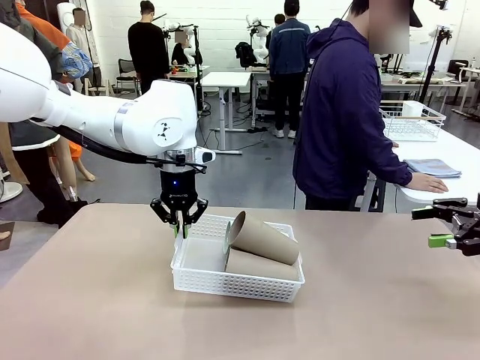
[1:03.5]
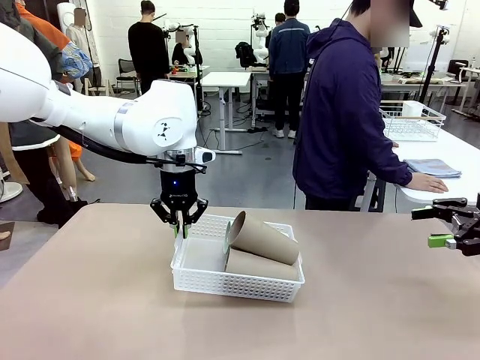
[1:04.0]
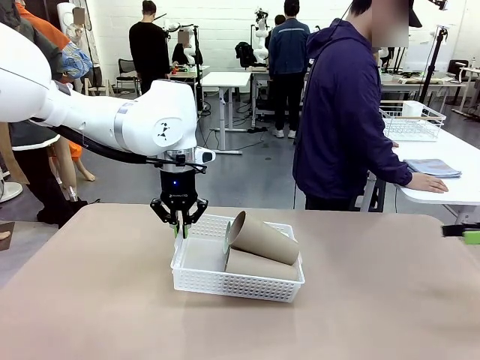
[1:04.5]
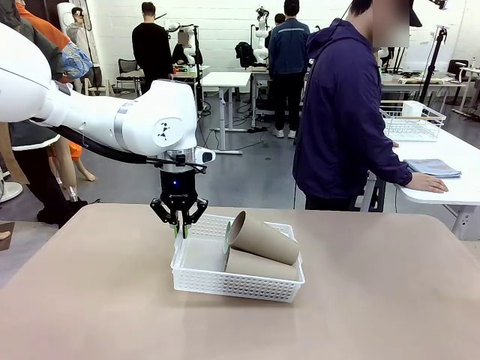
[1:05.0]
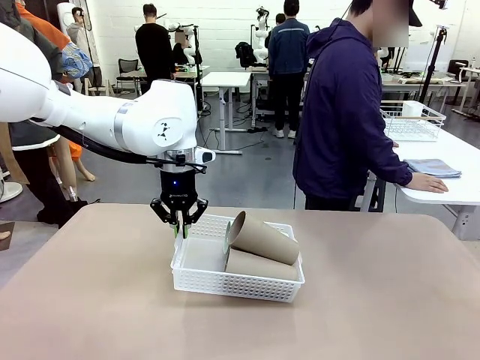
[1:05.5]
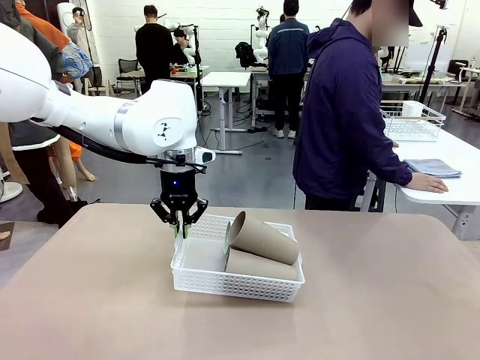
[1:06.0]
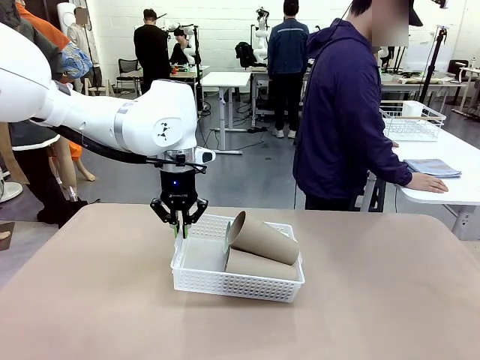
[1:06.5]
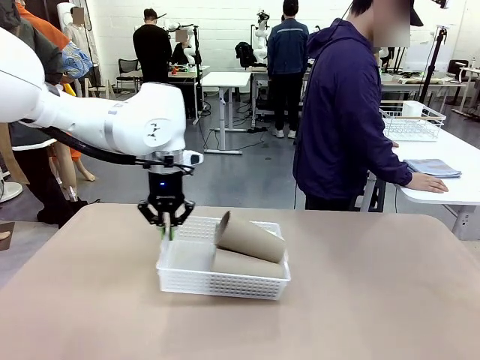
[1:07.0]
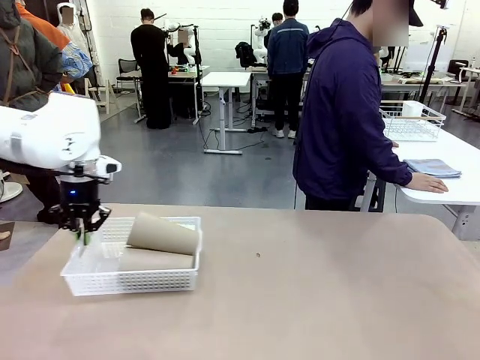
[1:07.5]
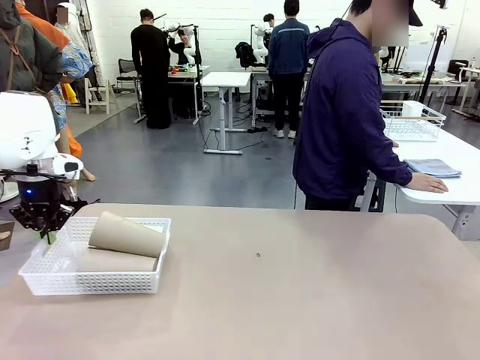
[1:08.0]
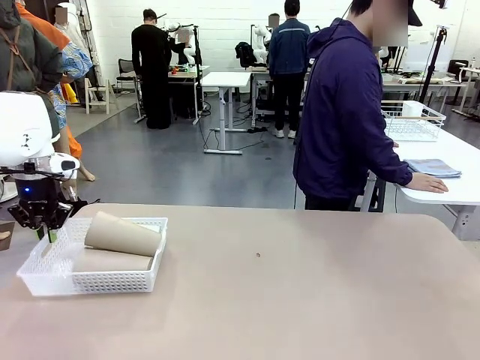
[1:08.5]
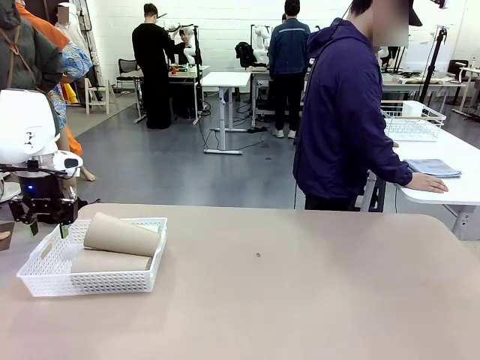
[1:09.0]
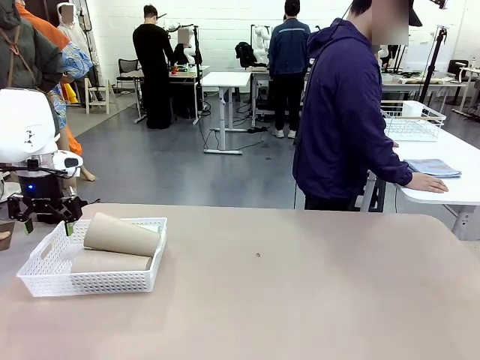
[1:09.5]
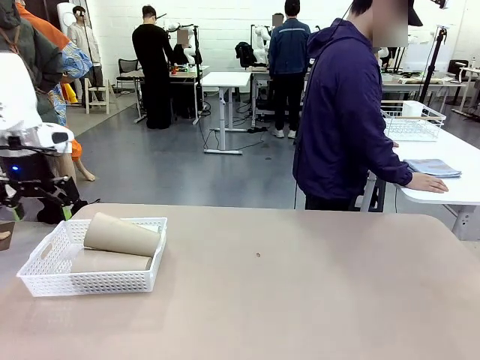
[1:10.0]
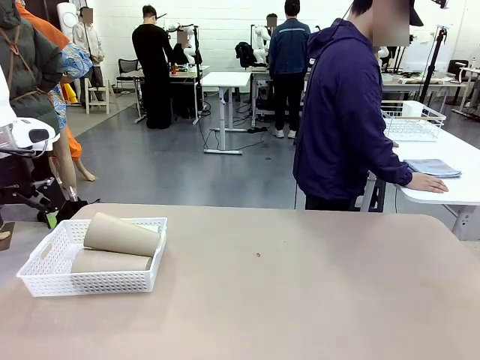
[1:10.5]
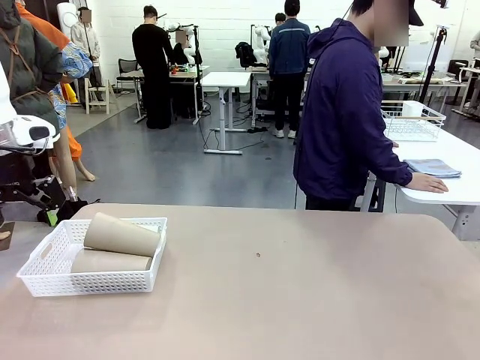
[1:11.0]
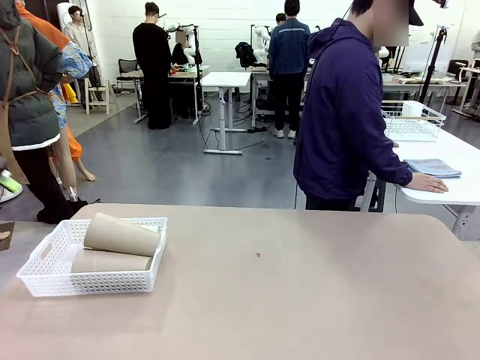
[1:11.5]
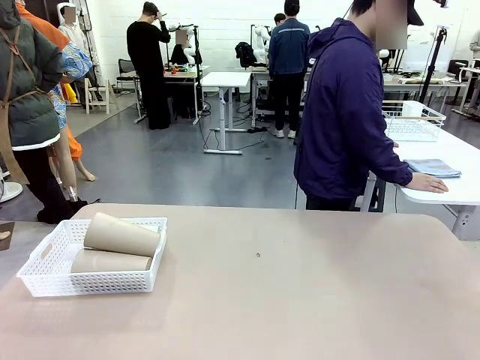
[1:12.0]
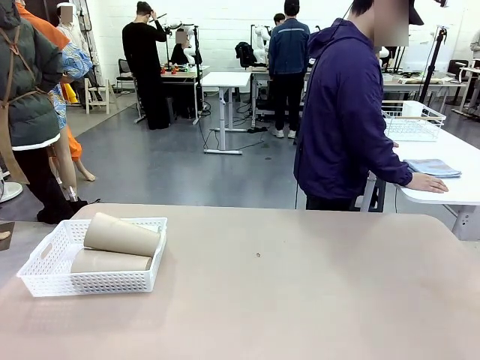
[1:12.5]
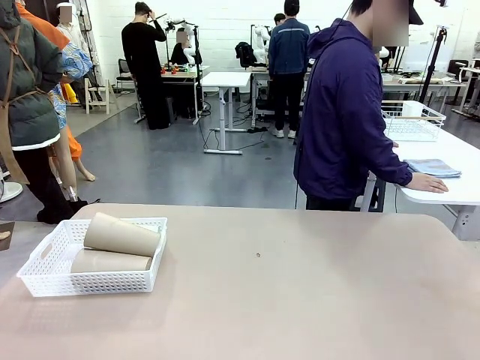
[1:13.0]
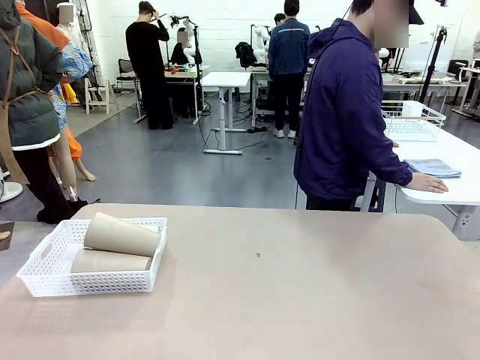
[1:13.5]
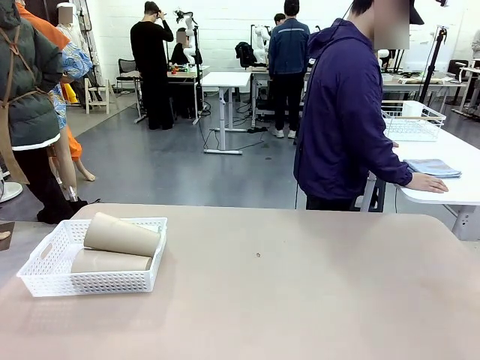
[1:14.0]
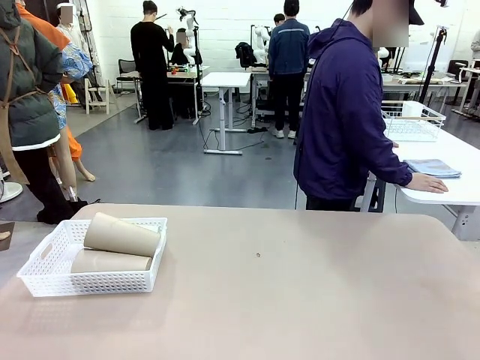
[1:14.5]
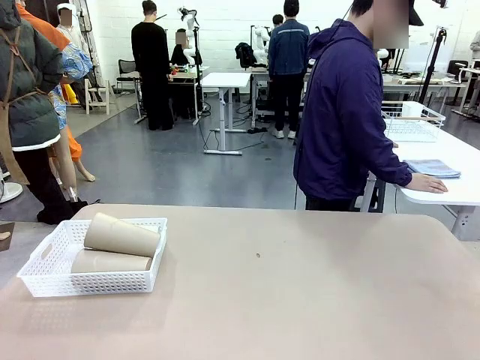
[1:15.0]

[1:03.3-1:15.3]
Task: Clean and organize the cups into the basket.
Robot: Move the Organizing basket back to the left side of the table.
Person: Folds the towel in half twice and places it in the right of the table.

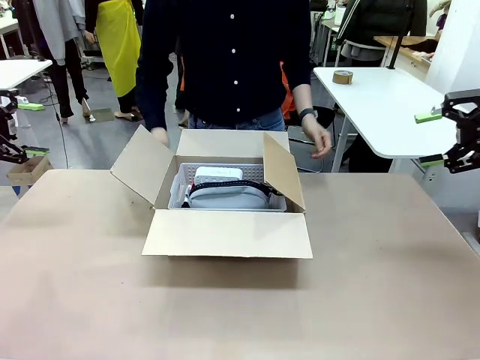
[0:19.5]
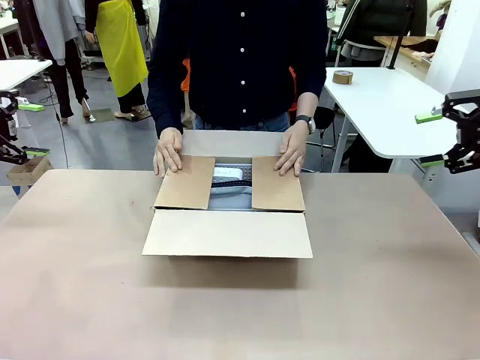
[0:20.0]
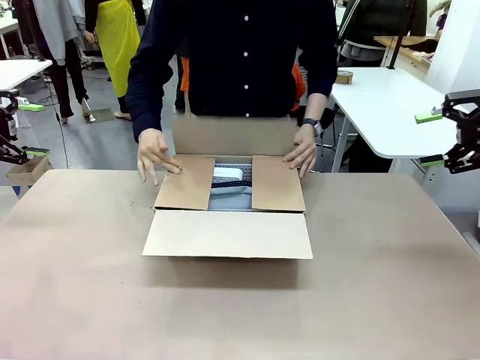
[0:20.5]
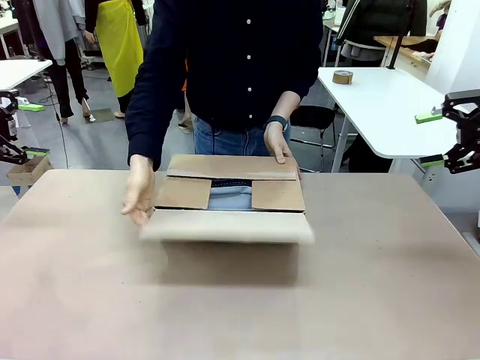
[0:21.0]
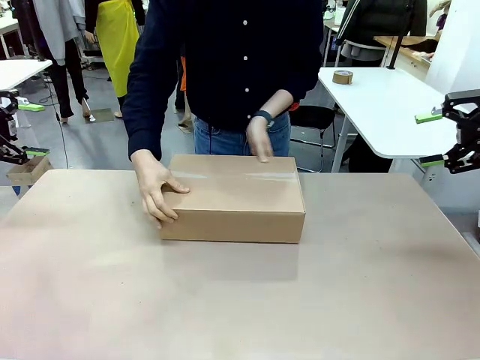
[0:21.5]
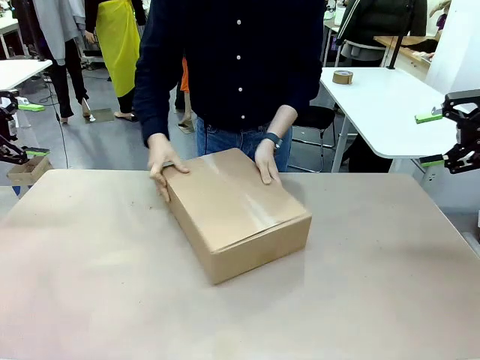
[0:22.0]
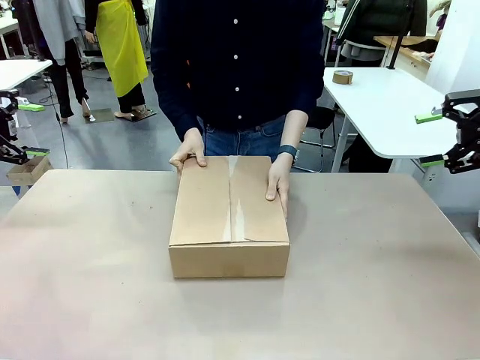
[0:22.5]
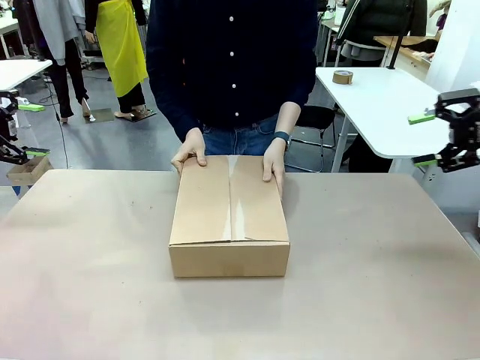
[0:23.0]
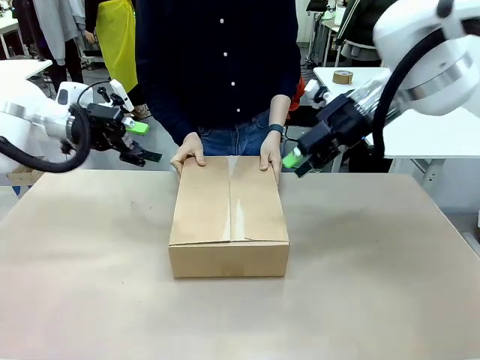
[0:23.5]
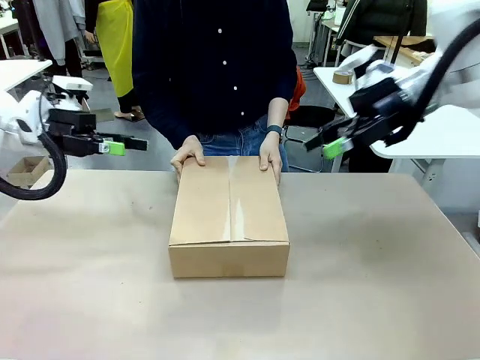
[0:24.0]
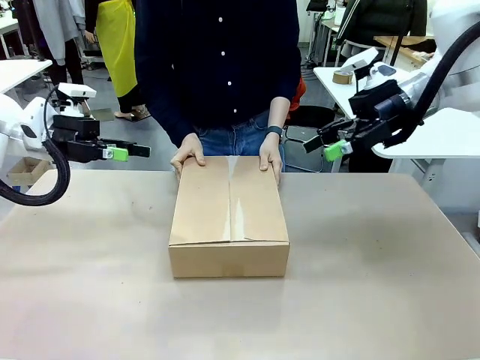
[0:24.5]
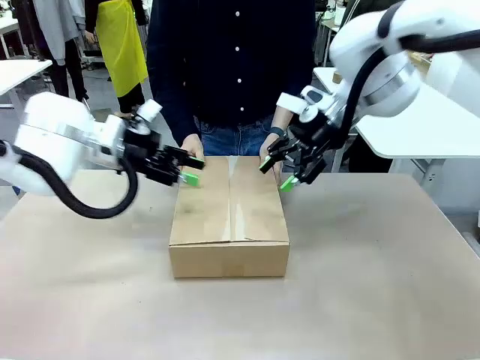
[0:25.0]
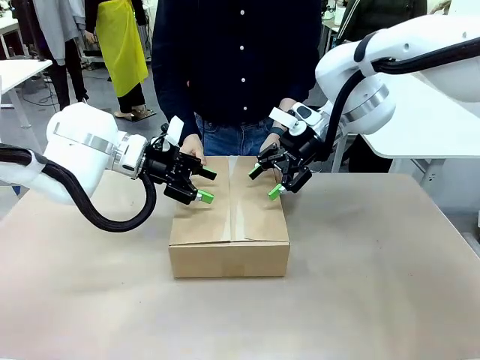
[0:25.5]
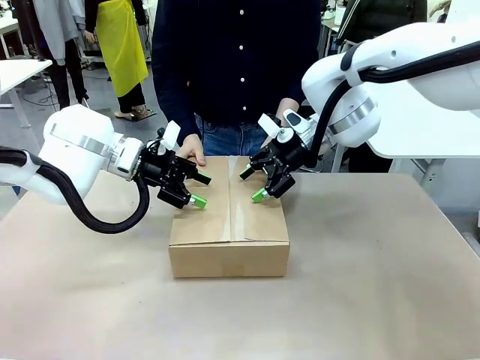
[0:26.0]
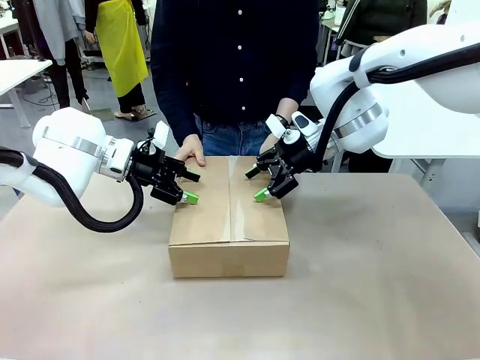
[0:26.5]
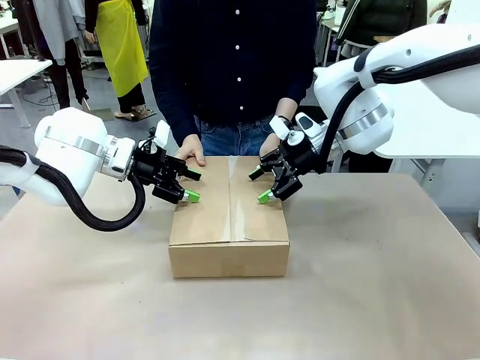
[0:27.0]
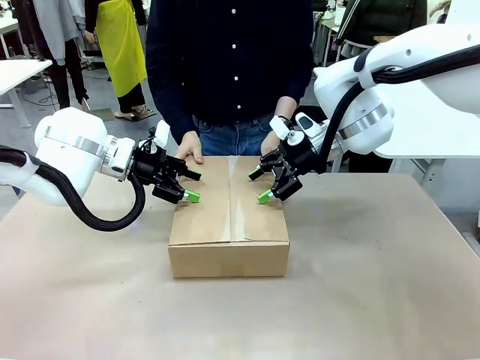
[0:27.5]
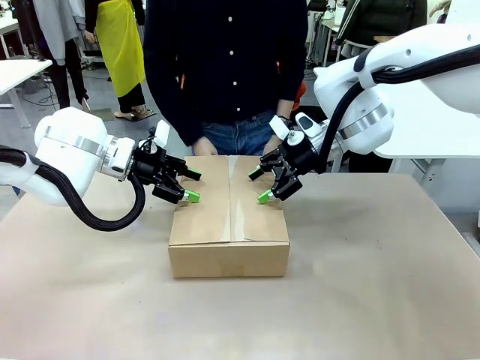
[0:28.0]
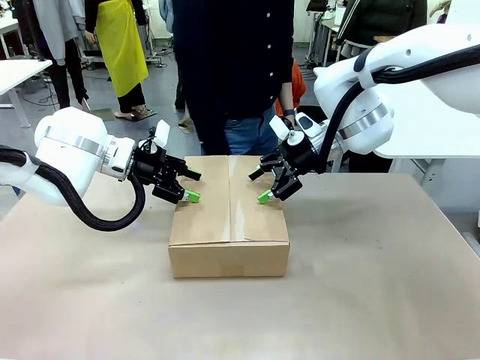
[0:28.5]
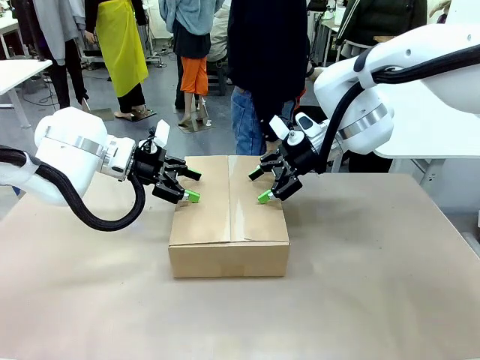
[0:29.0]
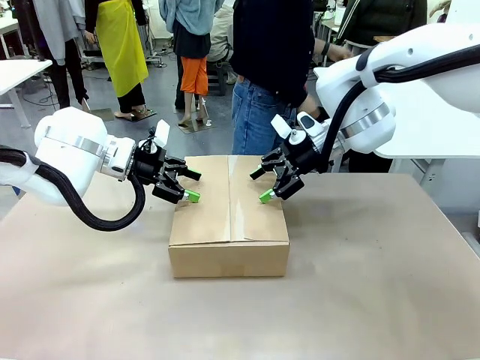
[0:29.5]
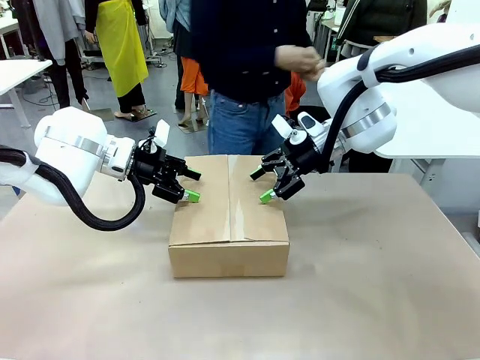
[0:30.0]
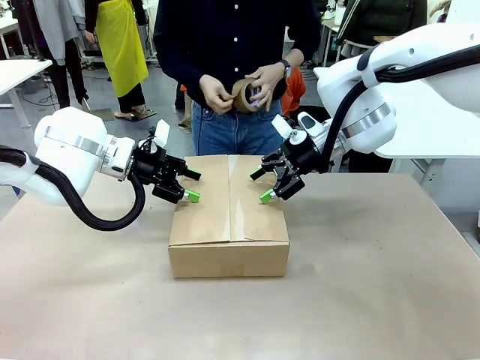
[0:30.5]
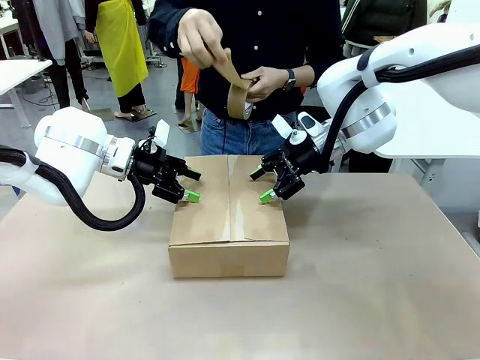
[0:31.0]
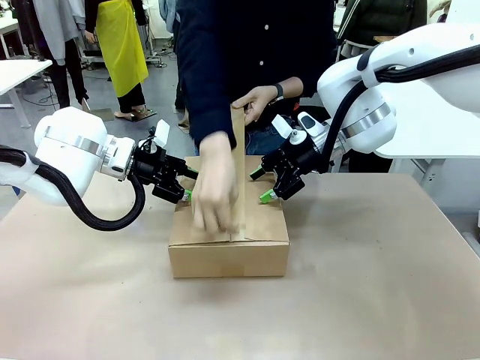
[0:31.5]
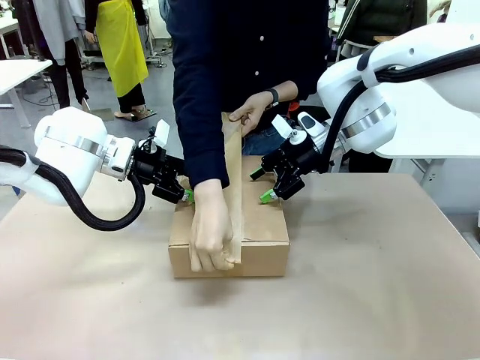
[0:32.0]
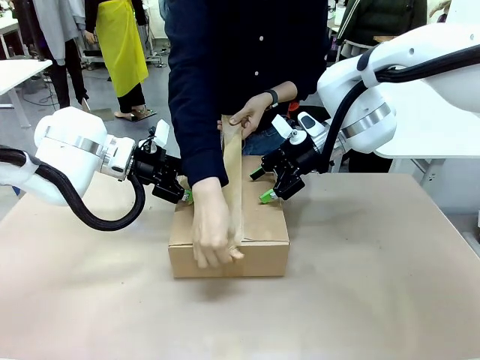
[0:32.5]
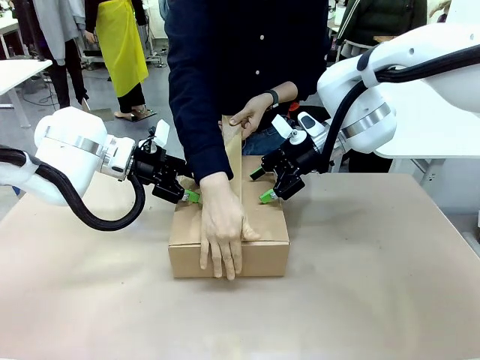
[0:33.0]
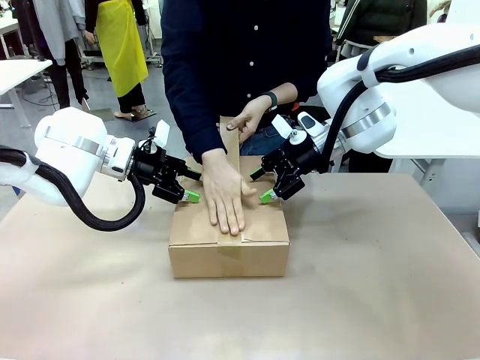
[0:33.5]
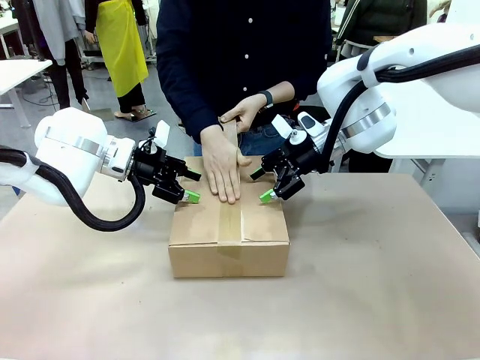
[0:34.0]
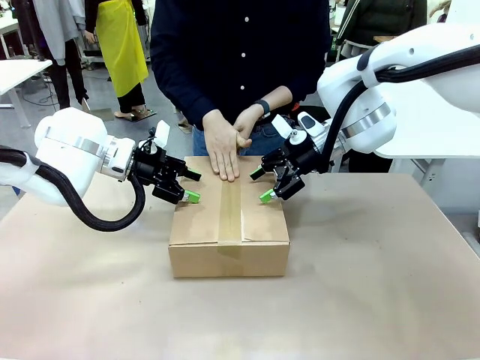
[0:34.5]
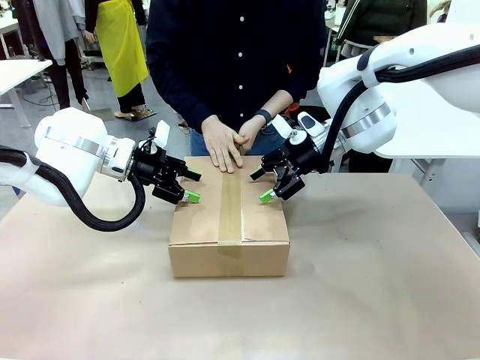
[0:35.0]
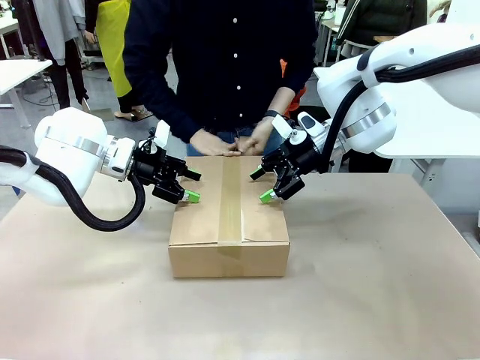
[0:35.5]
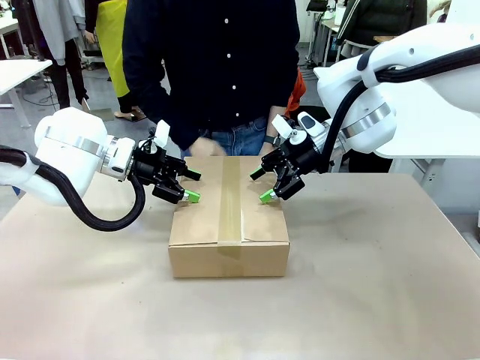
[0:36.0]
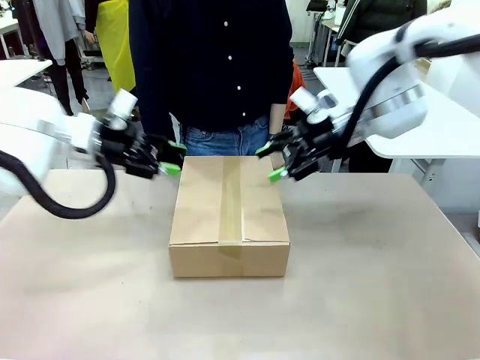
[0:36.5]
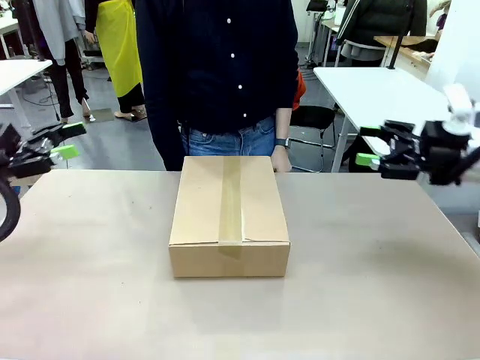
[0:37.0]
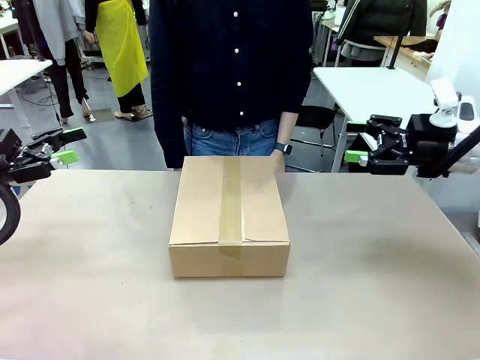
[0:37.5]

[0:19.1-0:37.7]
Task: Pack the gift set into the box.
Robot: Press and hold the closed box until the human finishes sealing it.
Person: The human closes the box and rotates the box by 90 degrees. The human picks up the paper tape from the human table and packs the box.
